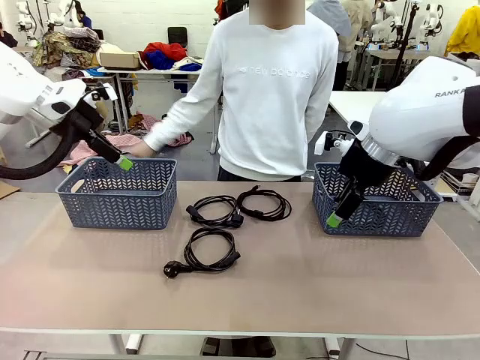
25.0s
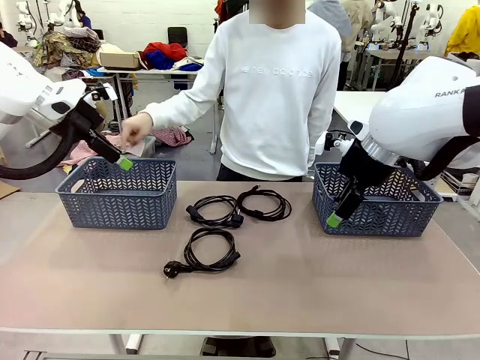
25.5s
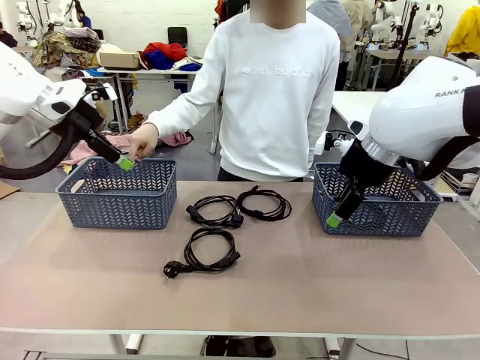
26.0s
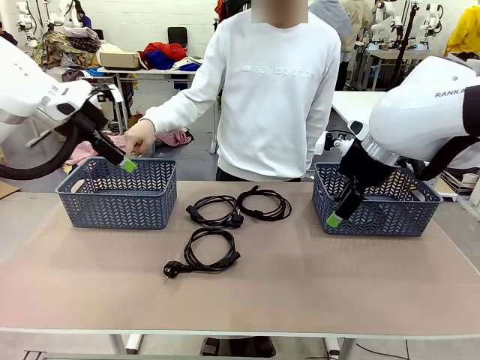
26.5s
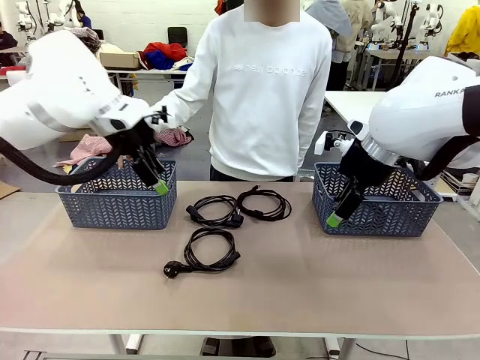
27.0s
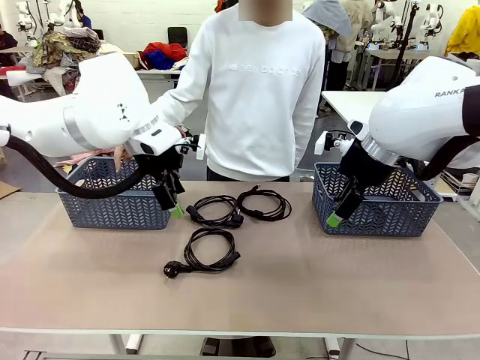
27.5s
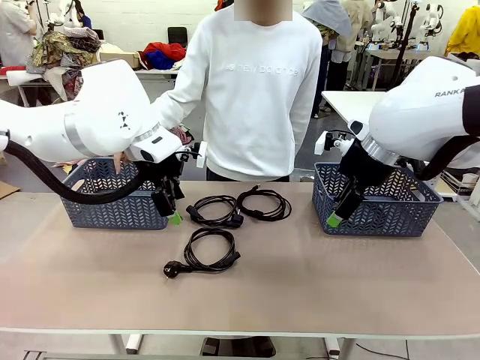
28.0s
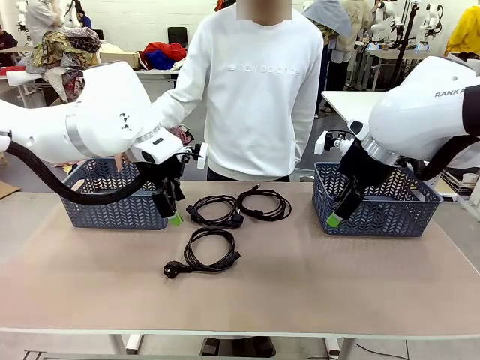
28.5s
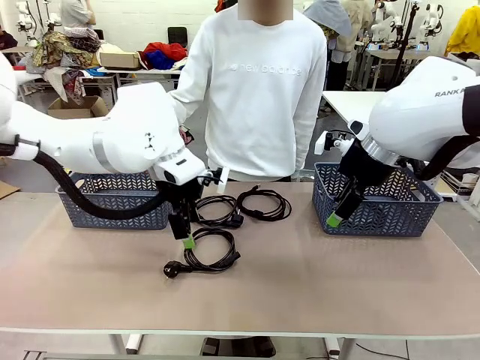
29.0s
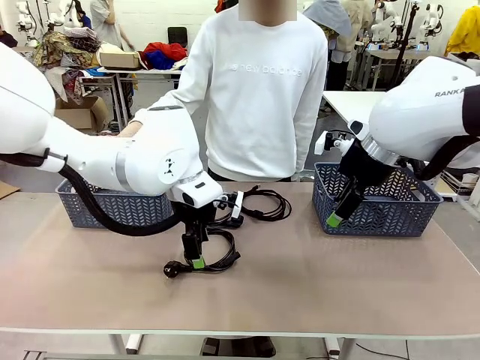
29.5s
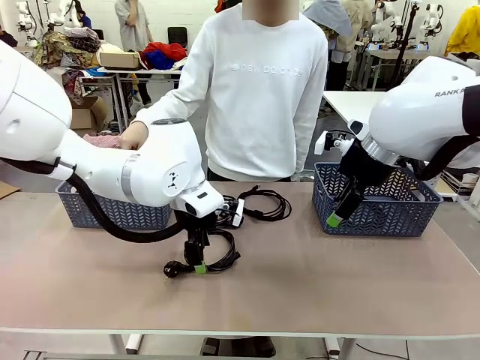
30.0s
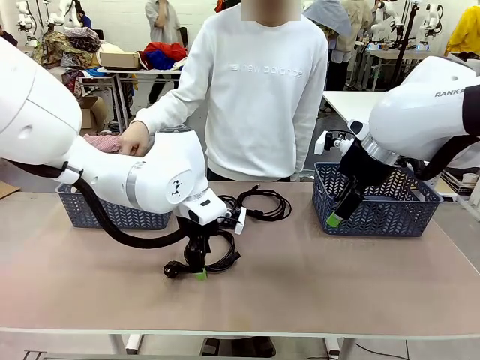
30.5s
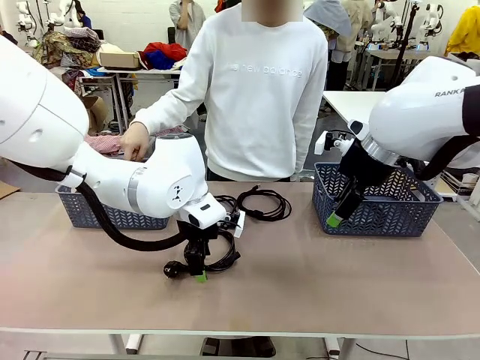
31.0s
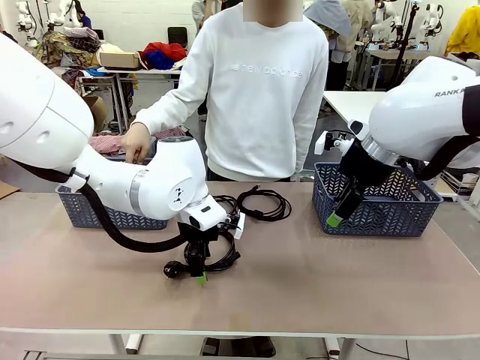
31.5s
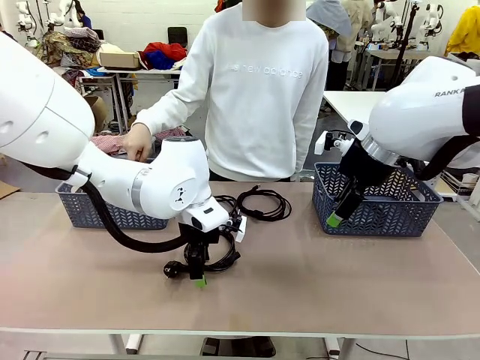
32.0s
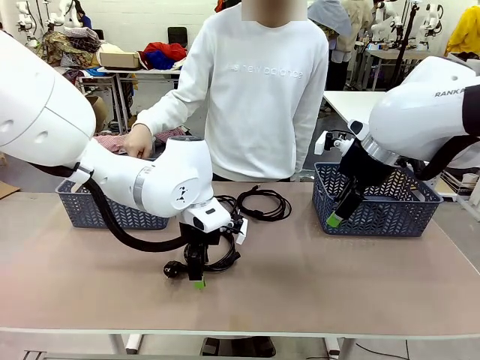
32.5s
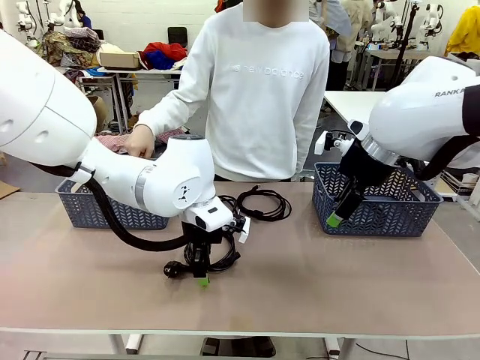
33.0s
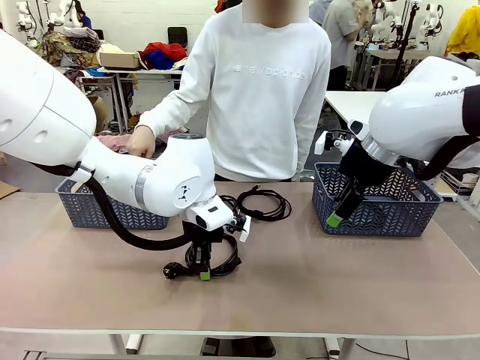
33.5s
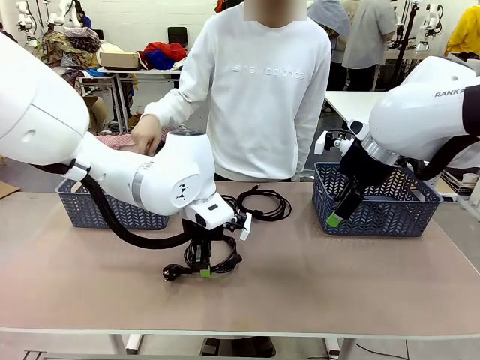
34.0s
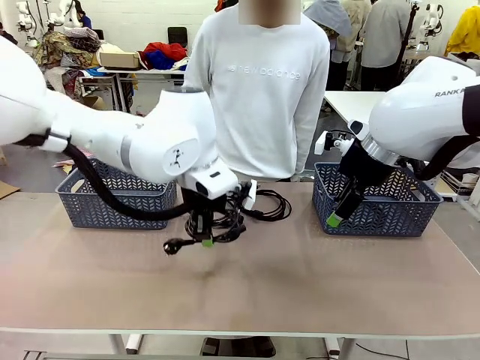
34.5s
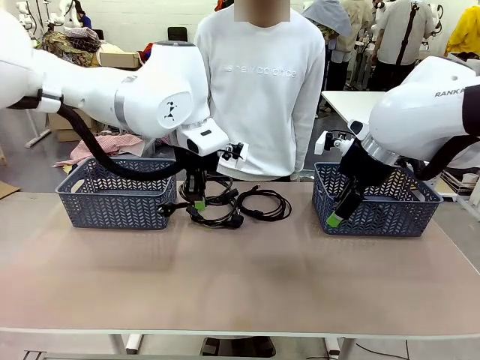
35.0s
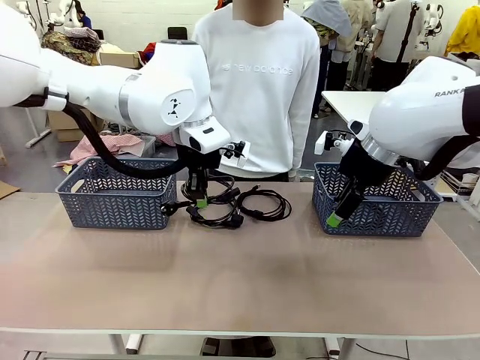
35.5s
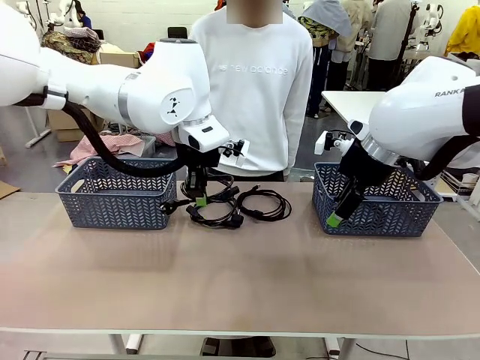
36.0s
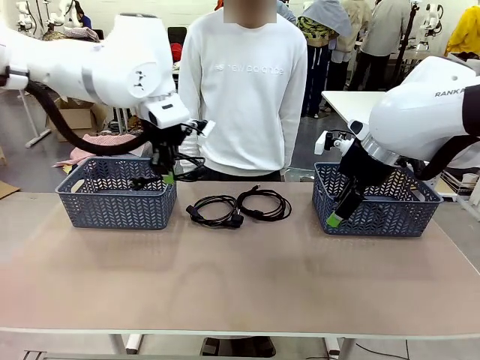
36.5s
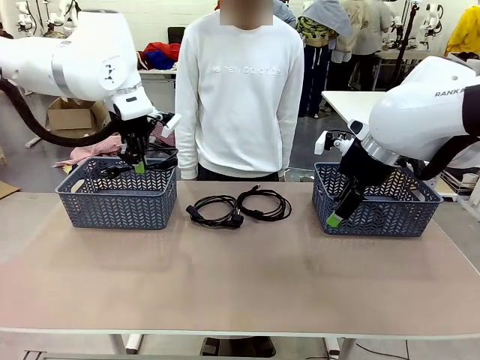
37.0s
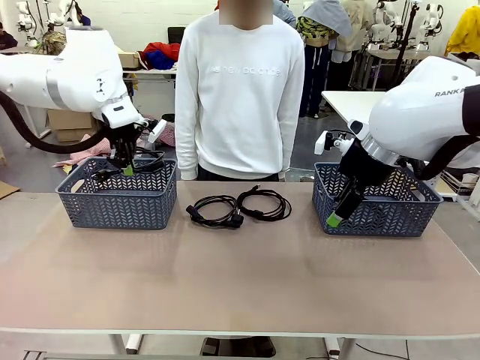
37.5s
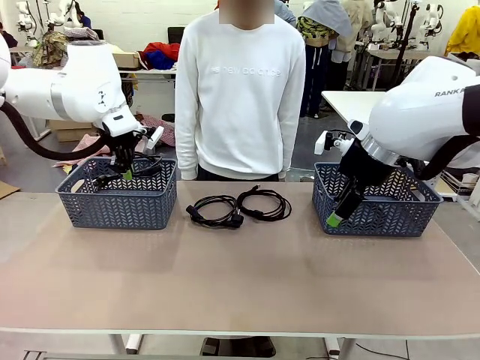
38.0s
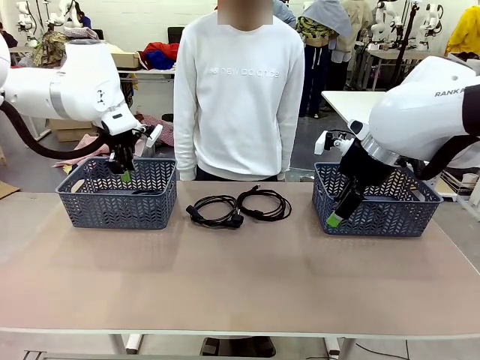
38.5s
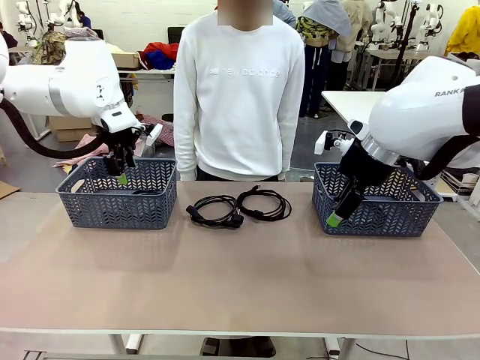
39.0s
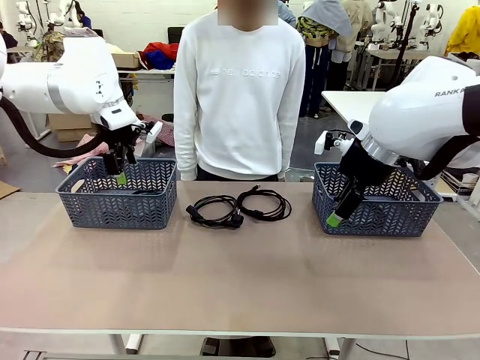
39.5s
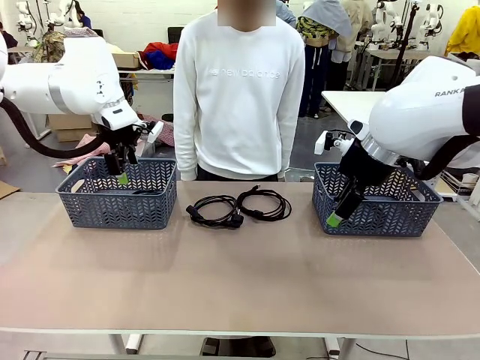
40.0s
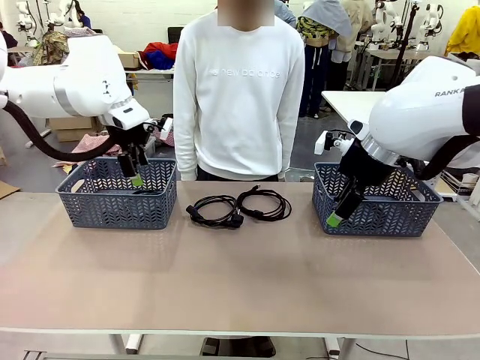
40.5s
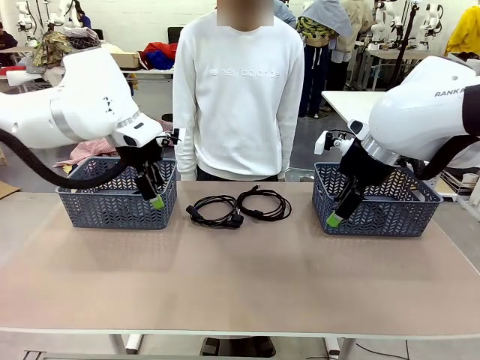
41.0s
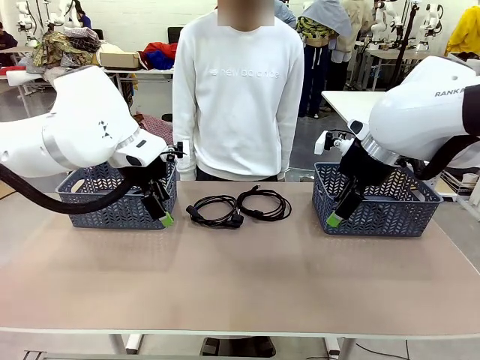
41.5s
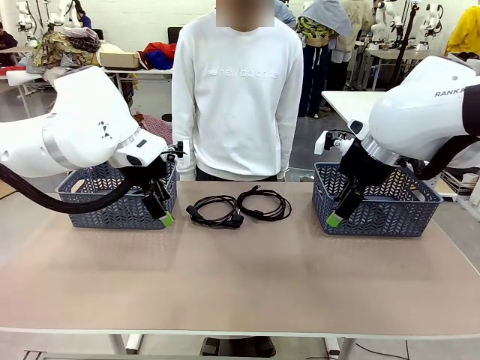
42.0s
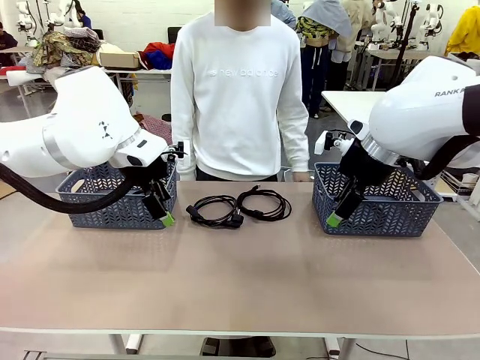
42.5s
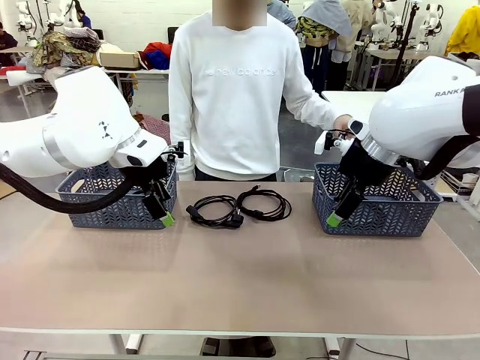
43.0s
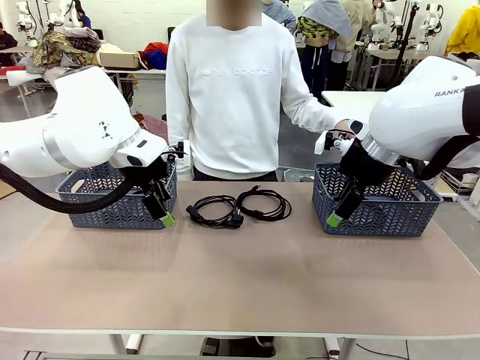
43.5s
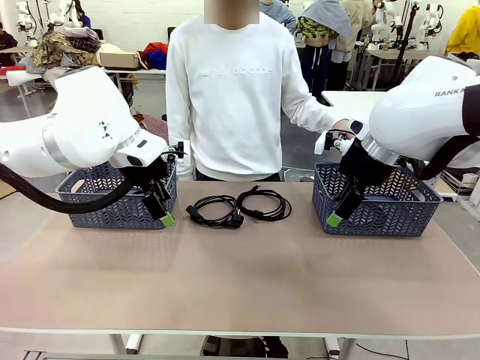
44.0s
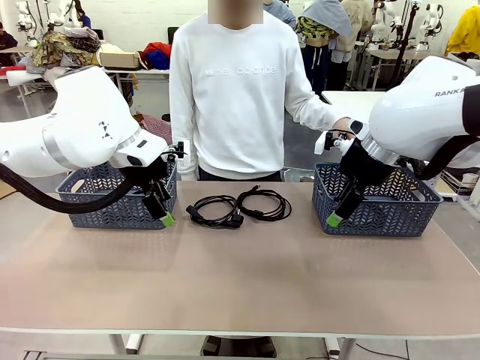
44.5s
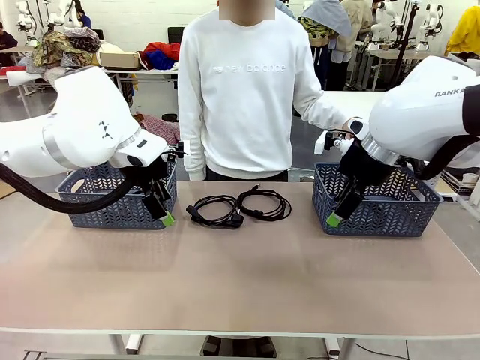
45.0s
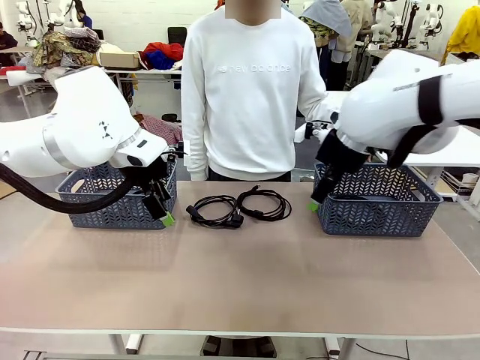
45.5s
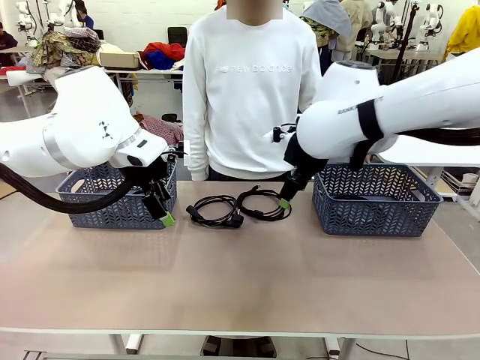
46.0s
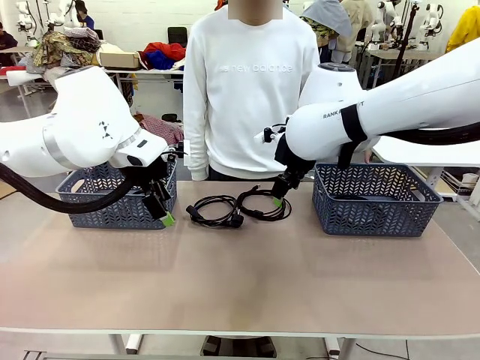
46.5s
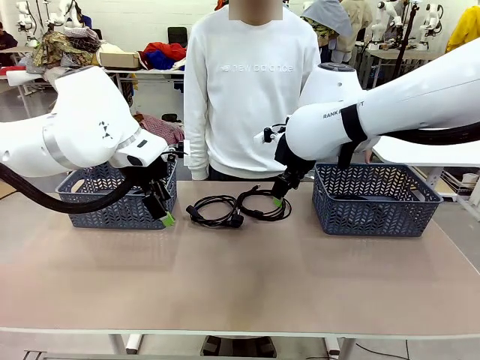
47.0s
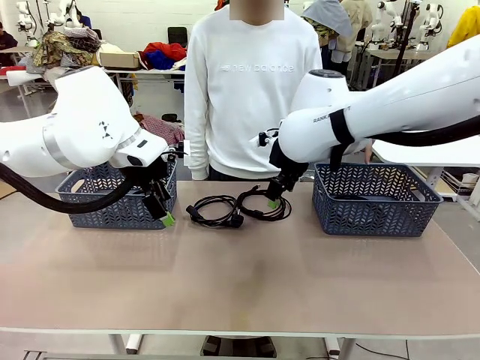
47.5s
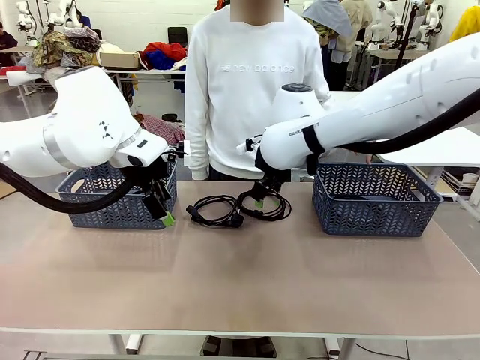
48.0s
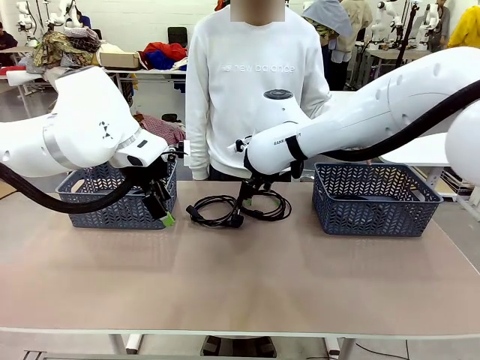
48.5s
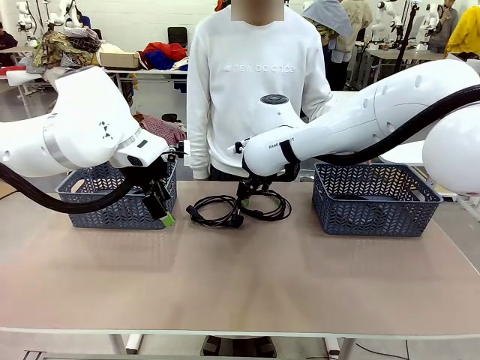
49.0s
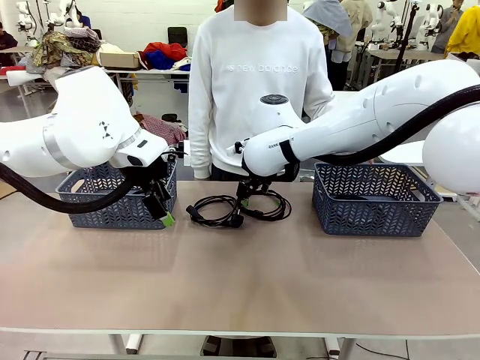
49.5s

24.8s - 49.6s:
Task: Organize the cables according to human instructions.
Robot: Pick up a bundle of cables and place it in the basket indicated by the human.
